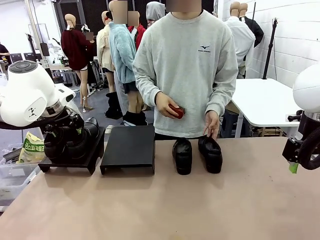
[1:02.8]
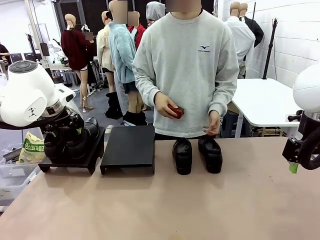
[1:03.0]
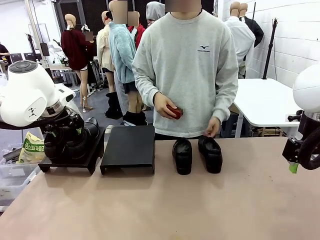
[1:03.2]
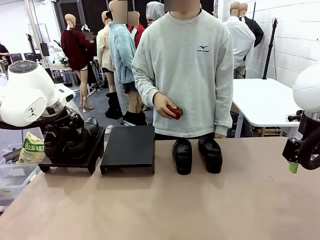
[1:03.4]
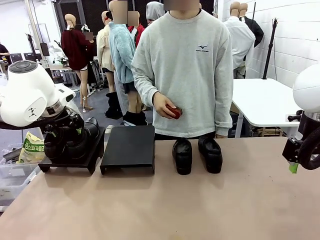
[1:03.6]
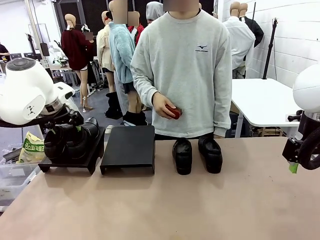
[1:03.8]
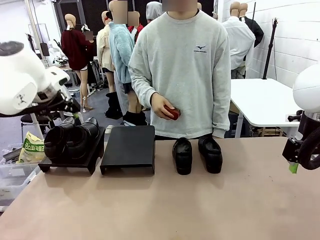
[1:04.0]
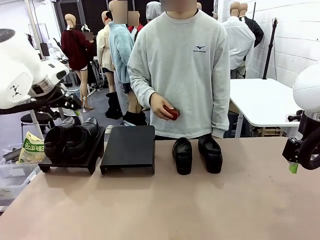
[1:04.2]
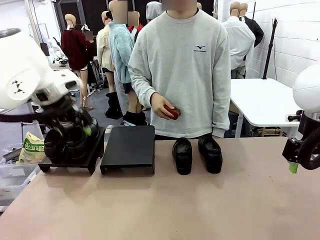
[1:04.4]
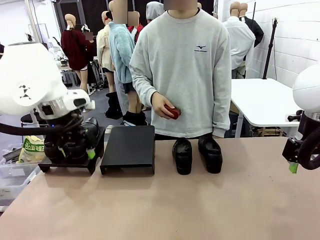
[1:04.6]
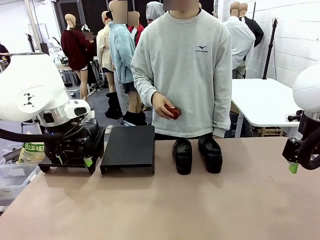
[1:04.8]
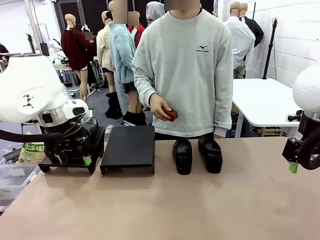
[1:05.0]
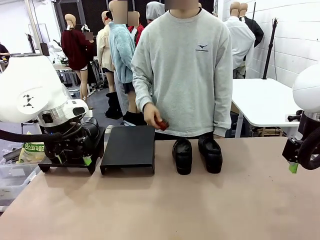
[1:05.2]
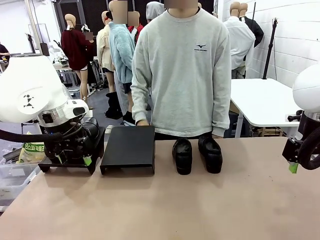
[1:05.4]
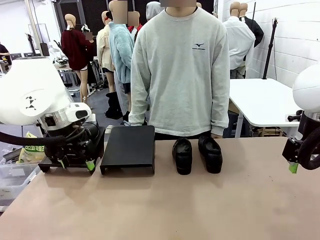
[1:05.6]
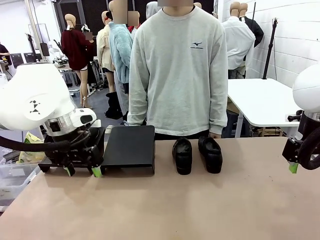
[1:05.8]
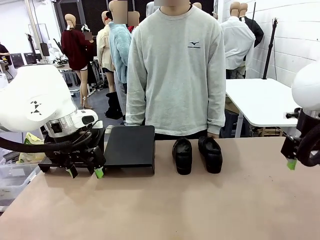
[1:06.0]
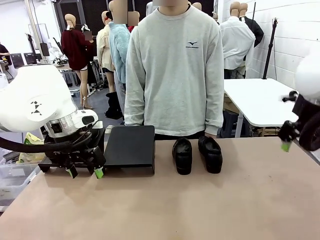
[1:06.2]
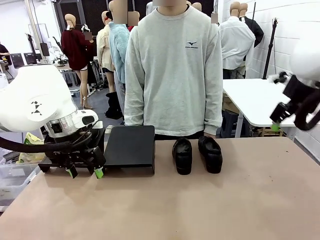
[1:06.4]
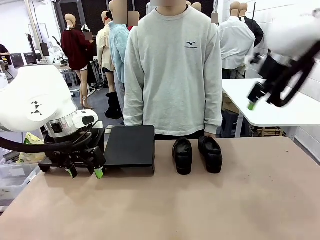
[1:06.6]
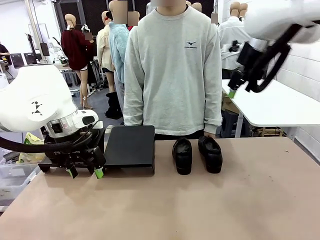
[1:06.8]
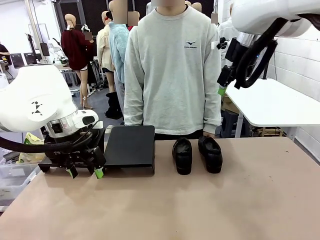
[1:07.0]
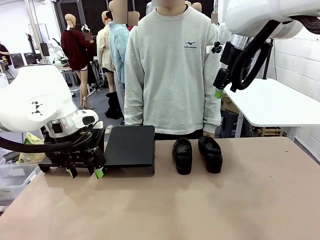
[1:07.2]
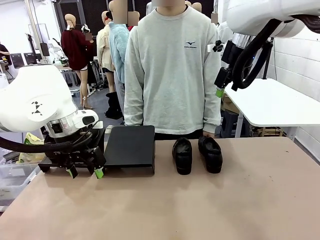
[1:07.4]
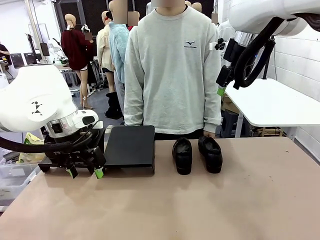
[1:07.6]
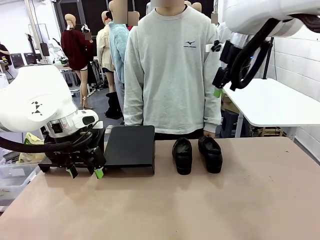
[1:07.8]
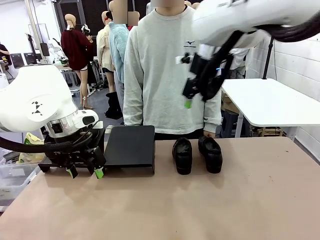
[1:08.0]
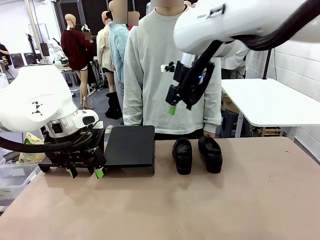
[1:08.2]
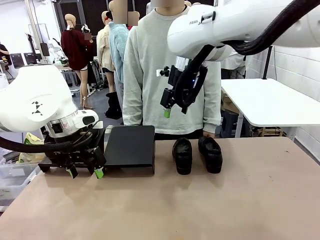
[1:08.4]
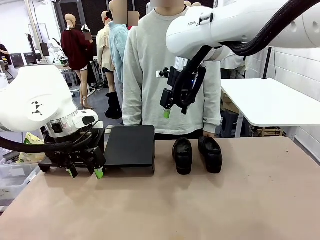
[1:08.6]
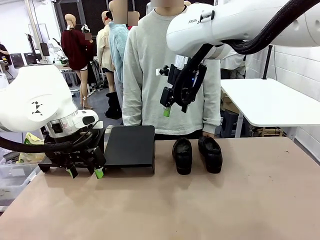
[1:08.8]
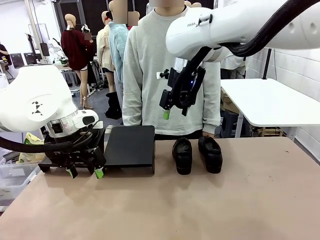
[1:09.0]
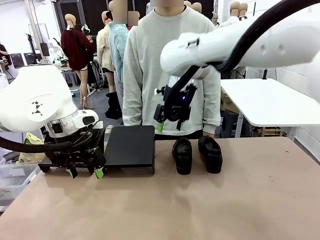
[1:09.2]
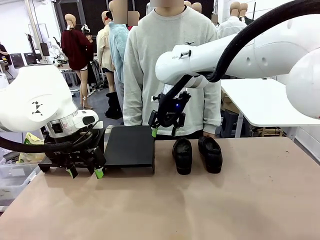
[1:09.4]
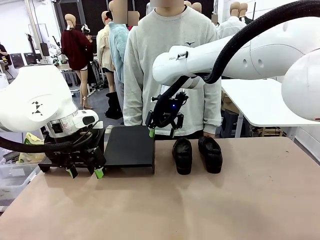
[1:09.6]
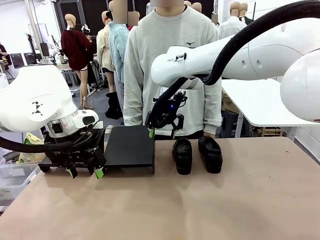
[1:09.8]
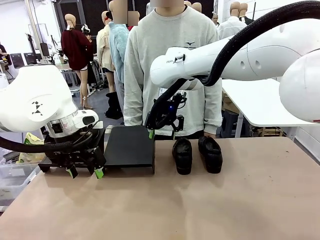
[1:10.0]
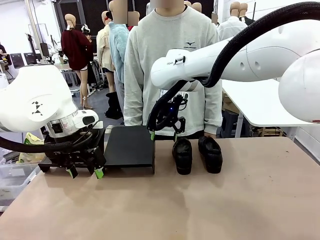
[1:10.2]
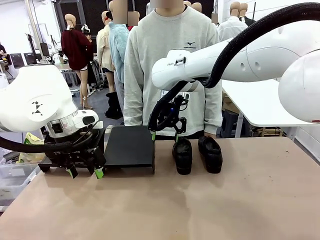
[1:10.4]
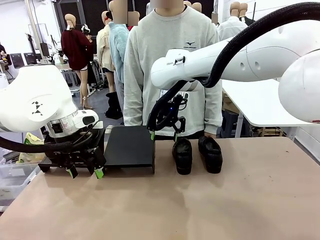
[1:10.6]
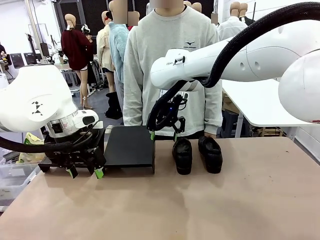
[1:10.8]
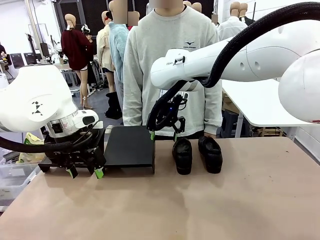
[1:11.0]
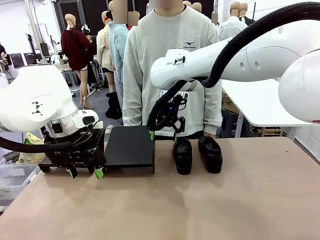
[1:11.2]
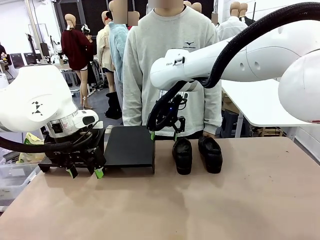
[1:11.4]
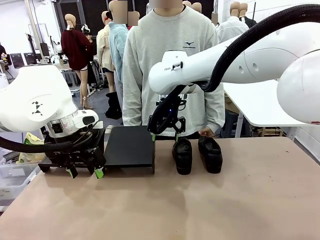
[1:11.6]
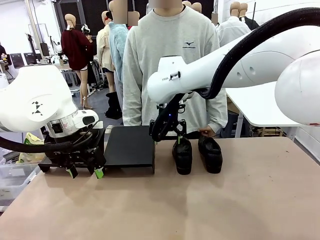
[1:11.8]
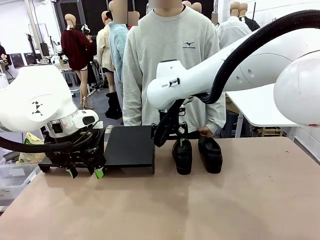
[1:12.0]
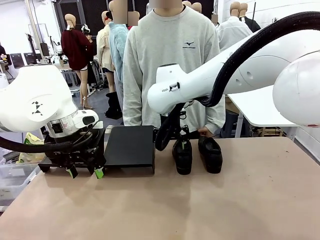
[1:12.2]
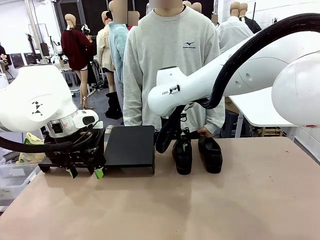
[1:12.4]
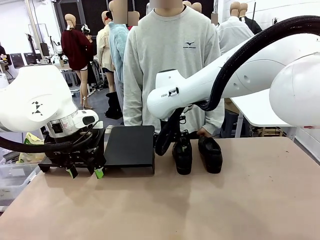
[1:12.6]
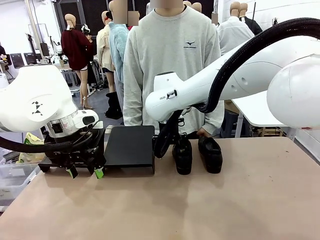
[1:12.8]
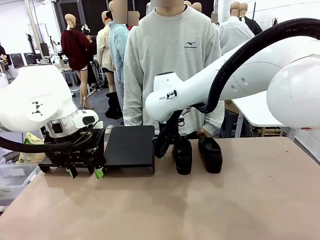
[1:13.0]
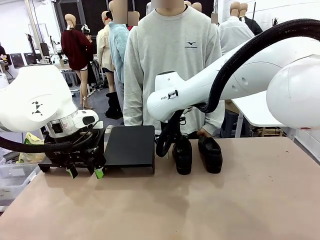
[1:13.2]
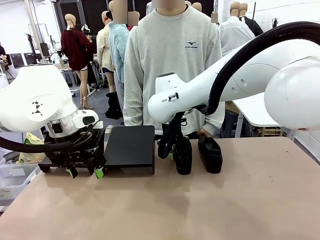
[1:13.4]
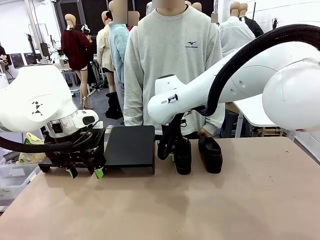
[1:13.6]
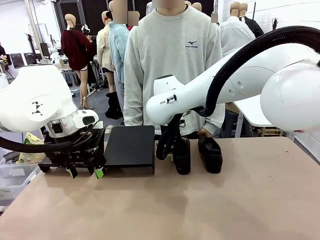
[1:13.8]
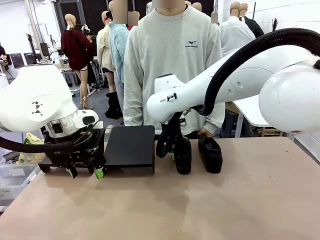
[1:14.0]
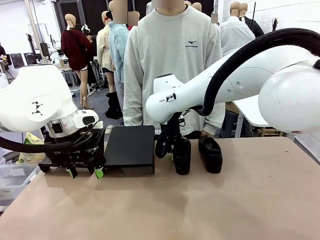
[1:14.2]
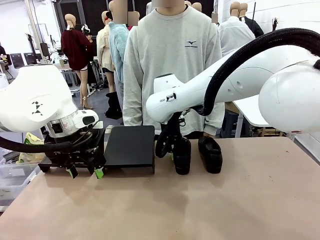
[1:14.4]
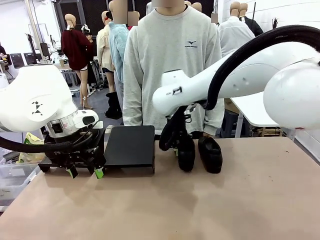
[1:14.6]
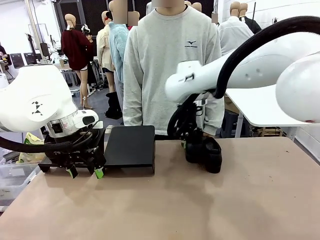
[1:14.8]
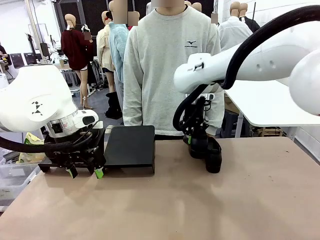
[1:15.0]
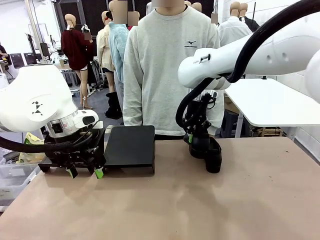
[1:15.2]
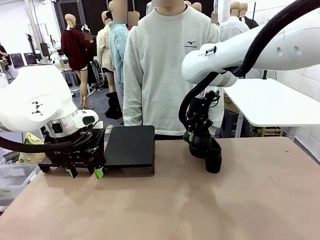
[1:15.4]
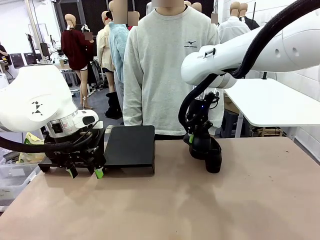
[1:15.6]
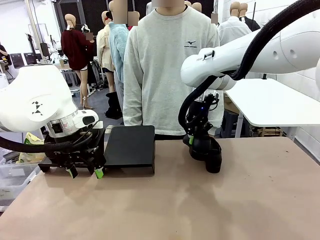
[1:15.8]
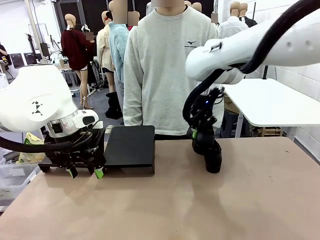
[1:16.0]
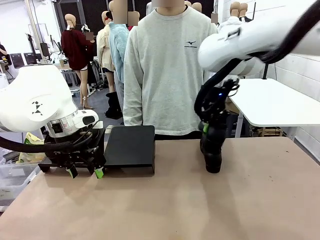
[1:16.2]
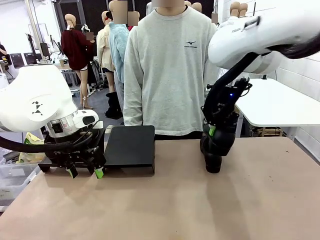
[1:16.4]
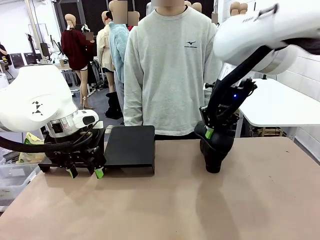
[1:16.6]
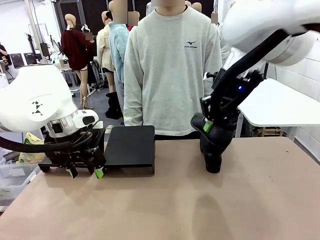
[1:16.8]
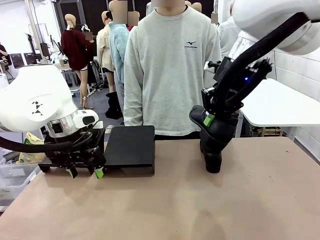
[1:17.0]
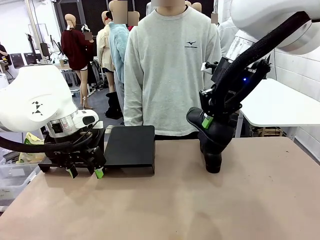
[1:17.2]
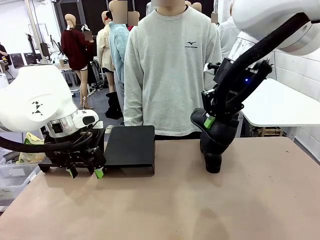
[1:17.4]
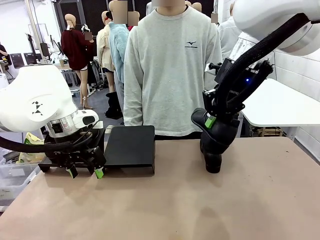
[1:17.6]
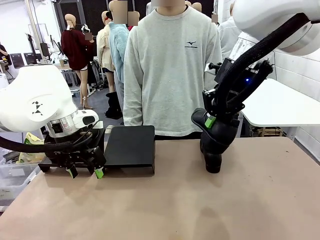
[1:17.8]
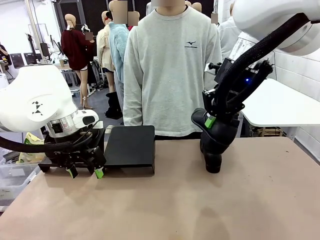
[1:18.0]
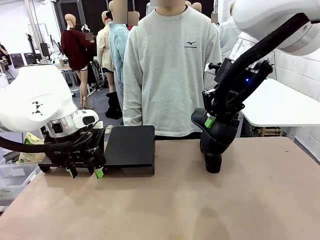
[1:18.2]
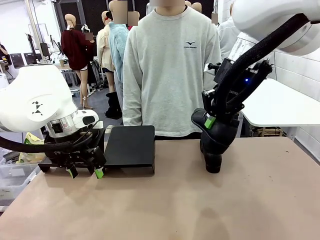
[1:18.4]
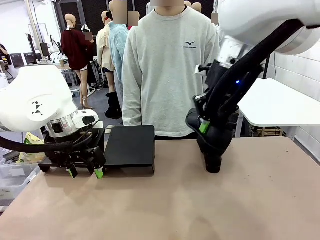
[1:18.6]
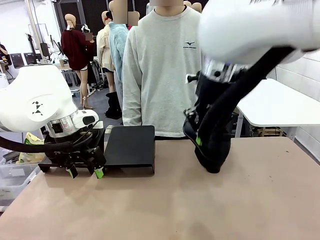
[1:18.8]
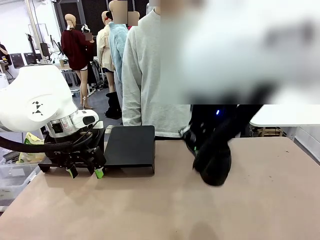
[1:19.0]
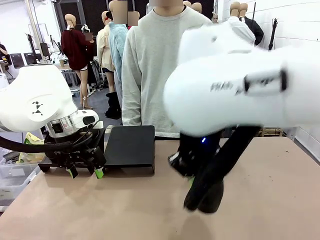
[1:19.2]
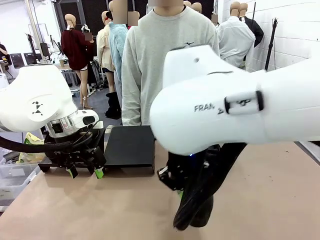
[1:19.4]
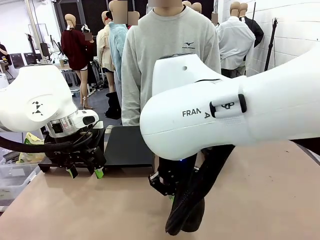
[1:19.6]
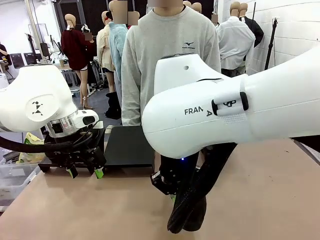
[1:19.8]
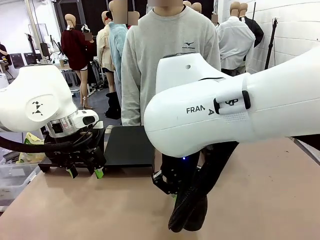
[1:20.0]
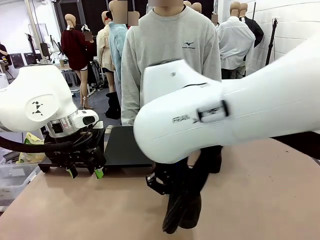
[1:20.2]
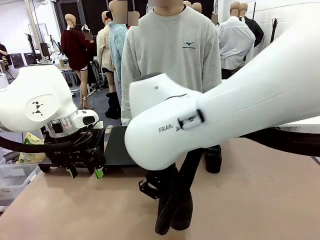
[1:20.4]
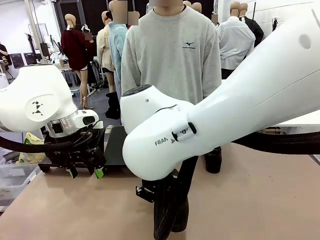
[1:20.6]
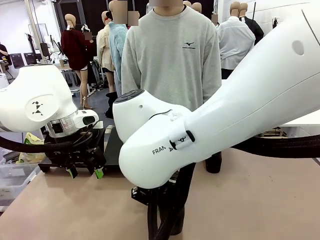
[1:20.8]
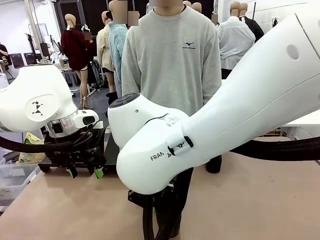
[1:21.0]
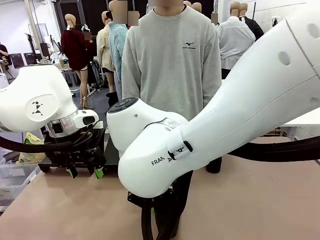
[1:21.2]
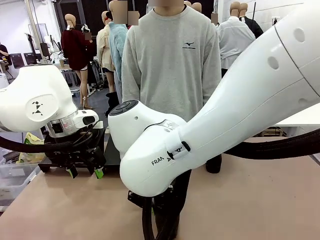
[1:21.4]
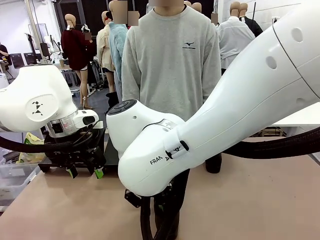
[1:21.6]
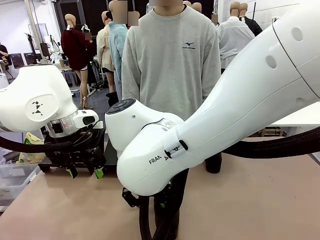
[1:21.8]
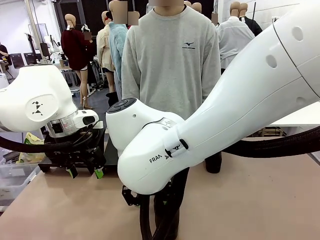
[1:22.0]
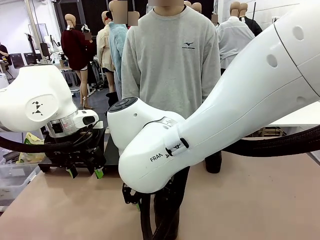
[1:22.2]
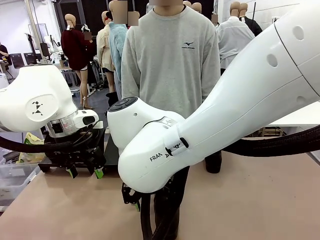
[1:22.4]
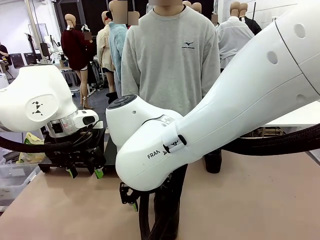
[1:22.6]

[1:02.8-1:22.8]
Task: Organize the shoes by placing them on the stand.
Robot: Pick up one Shoe and place it in the middle of the table.
